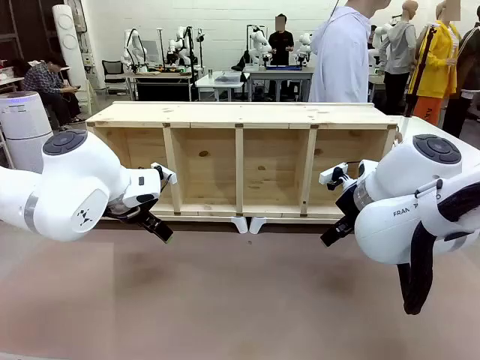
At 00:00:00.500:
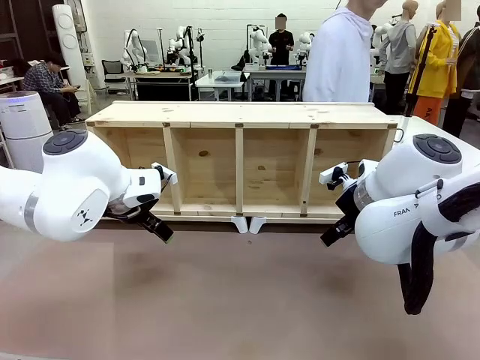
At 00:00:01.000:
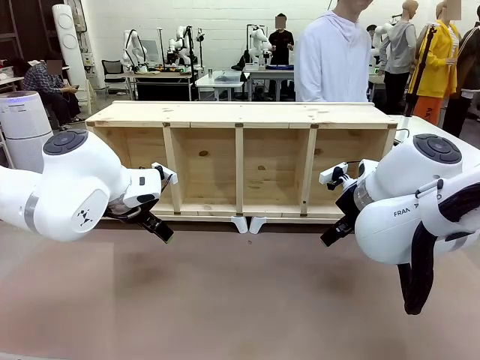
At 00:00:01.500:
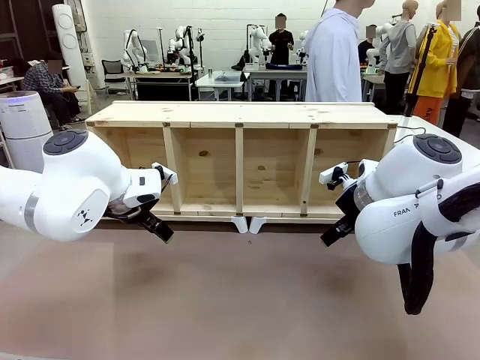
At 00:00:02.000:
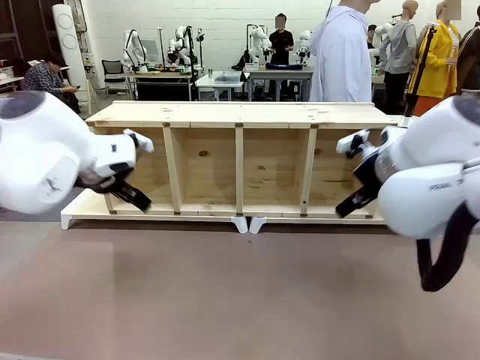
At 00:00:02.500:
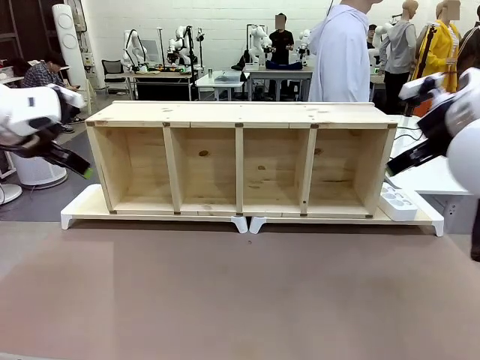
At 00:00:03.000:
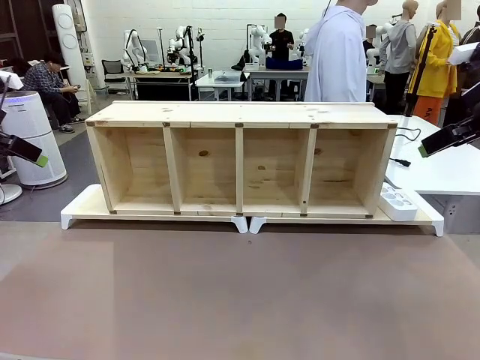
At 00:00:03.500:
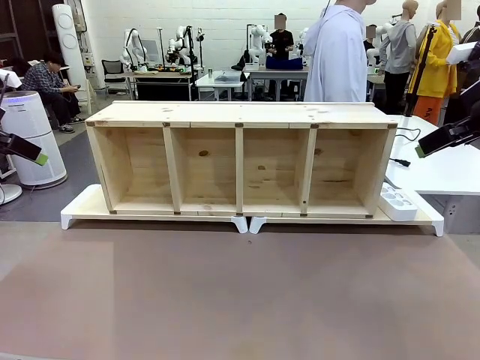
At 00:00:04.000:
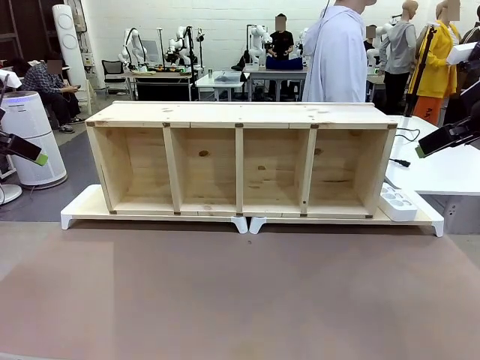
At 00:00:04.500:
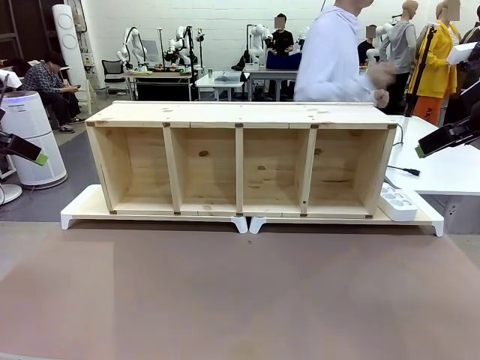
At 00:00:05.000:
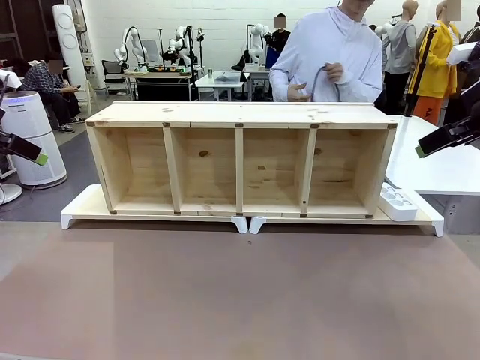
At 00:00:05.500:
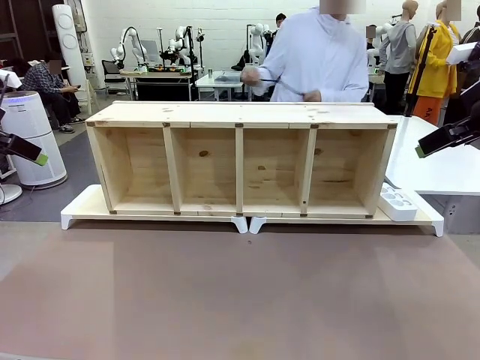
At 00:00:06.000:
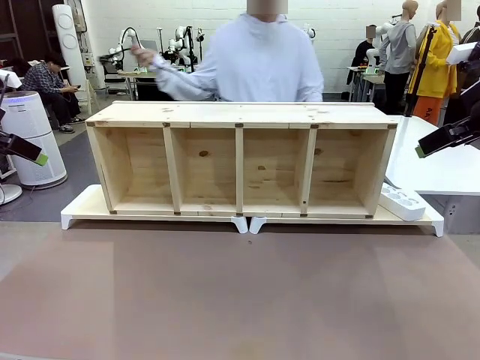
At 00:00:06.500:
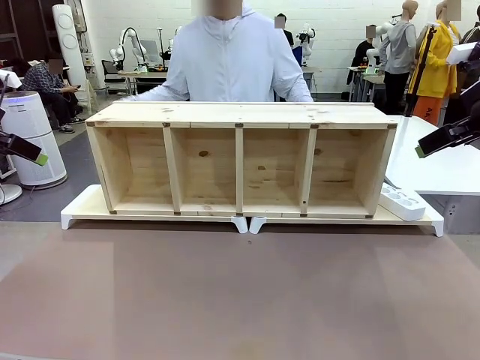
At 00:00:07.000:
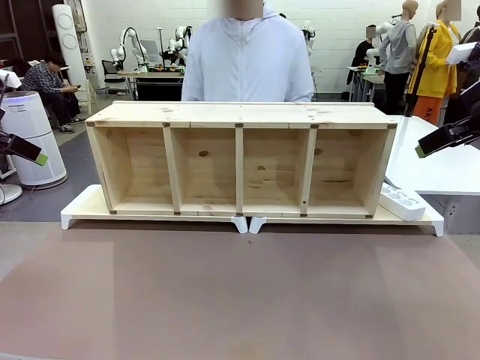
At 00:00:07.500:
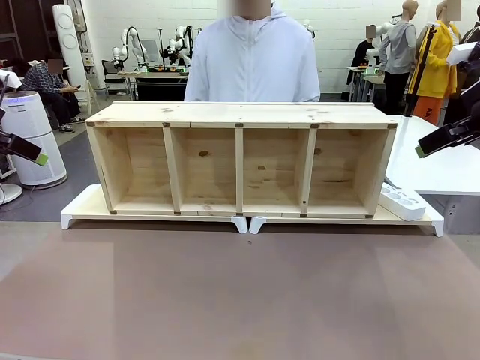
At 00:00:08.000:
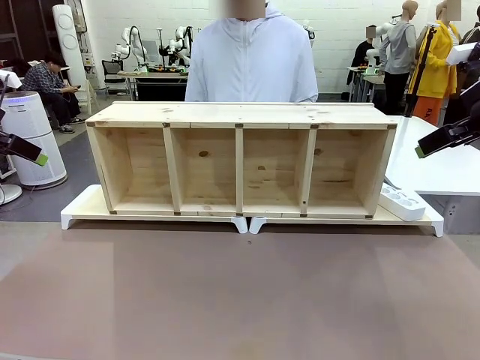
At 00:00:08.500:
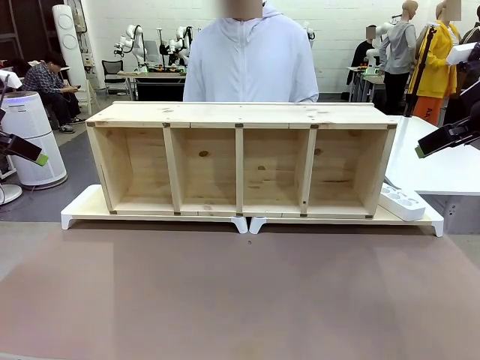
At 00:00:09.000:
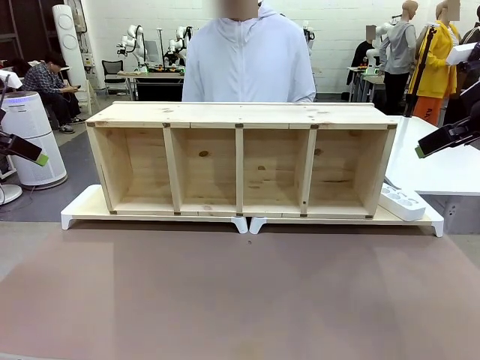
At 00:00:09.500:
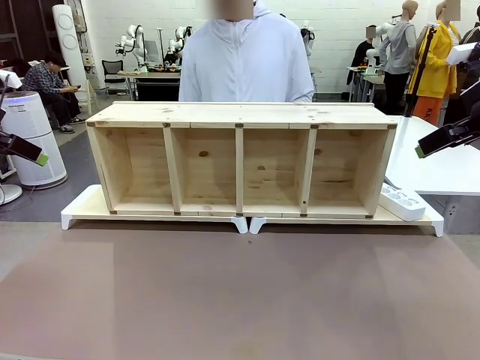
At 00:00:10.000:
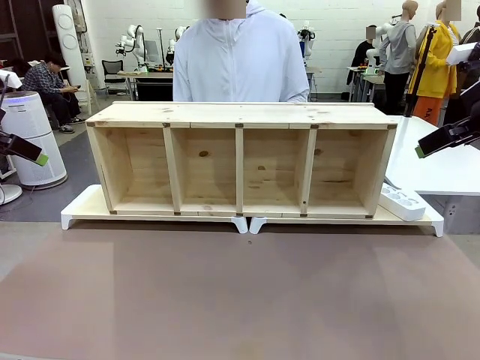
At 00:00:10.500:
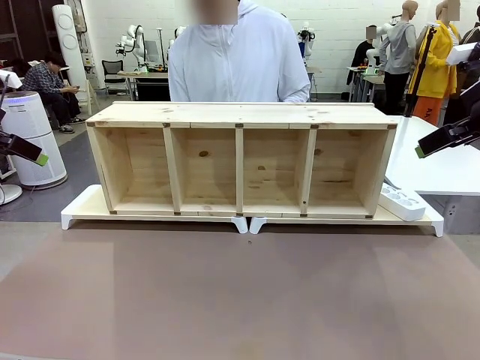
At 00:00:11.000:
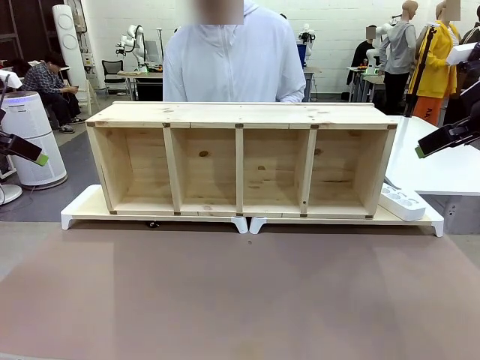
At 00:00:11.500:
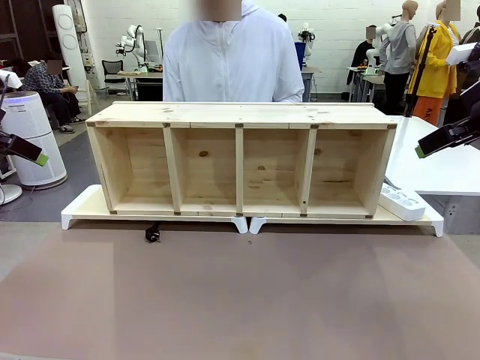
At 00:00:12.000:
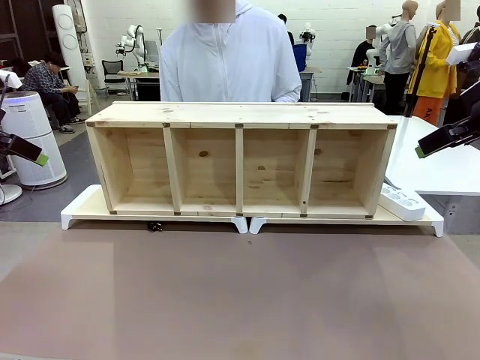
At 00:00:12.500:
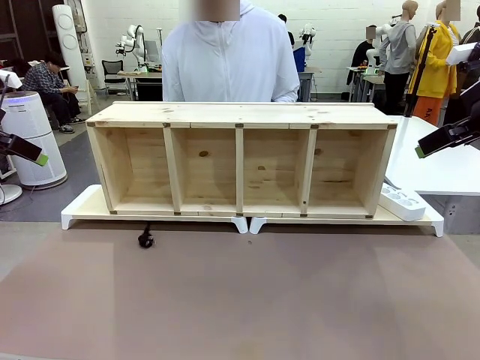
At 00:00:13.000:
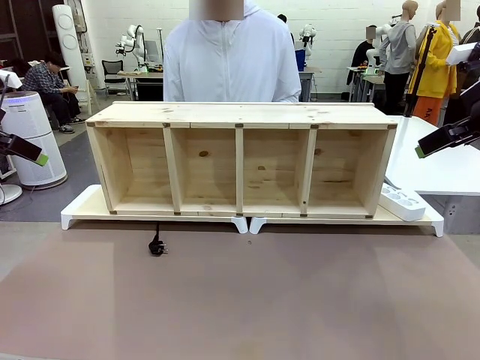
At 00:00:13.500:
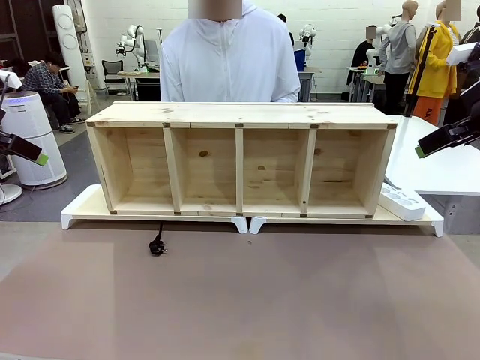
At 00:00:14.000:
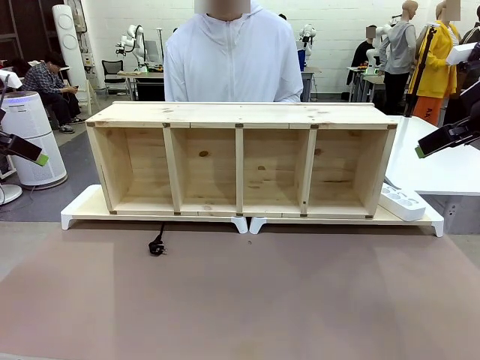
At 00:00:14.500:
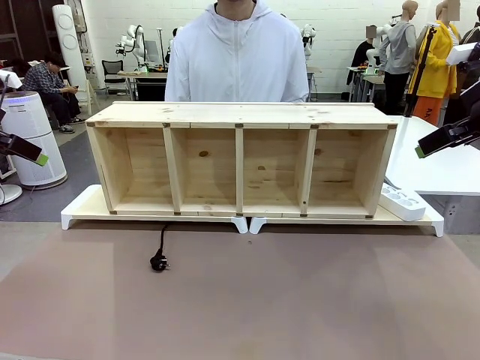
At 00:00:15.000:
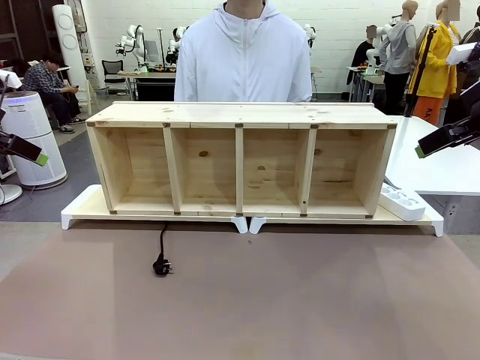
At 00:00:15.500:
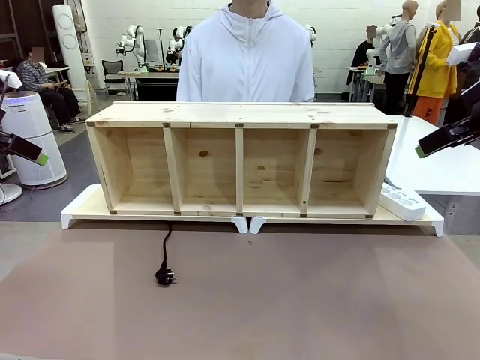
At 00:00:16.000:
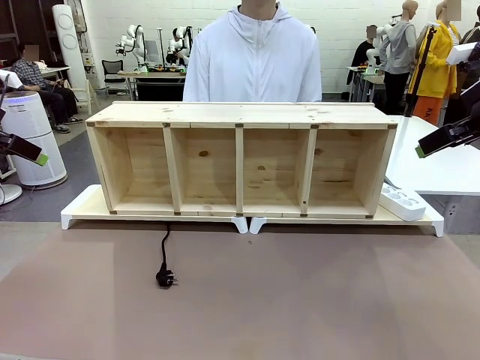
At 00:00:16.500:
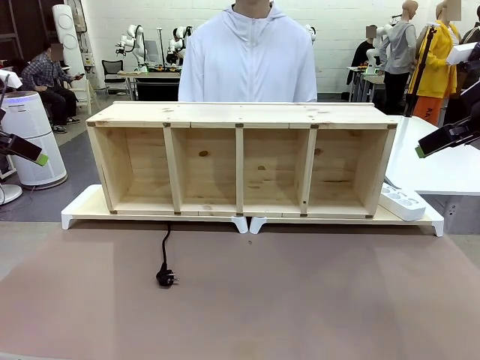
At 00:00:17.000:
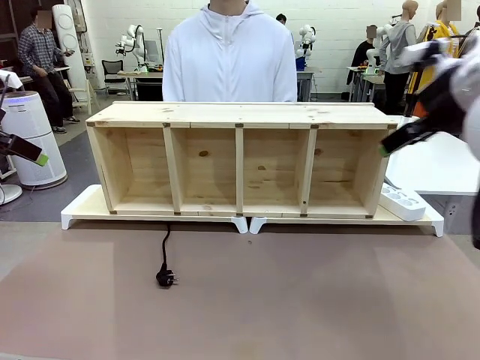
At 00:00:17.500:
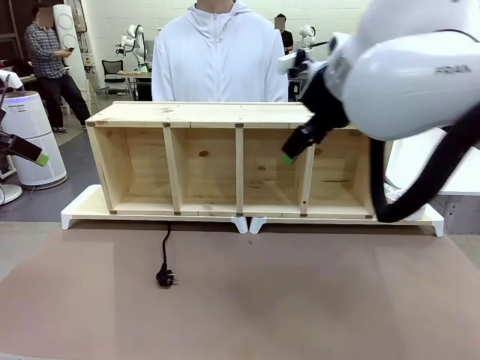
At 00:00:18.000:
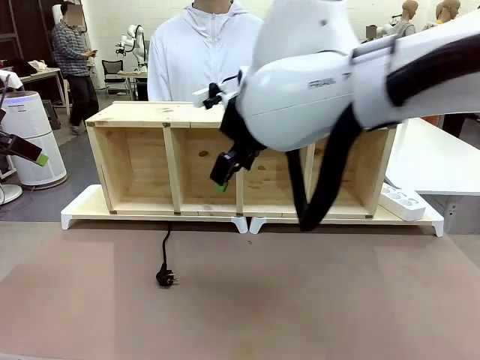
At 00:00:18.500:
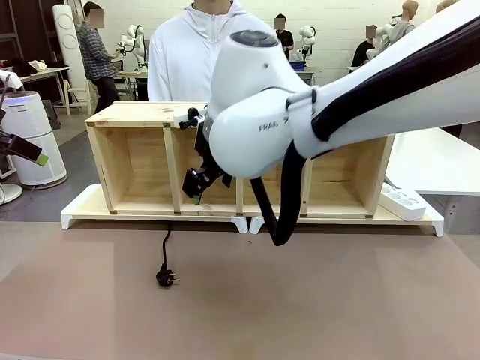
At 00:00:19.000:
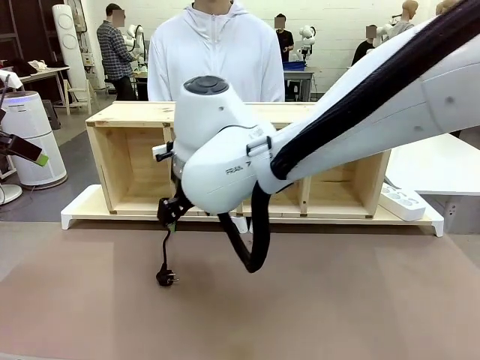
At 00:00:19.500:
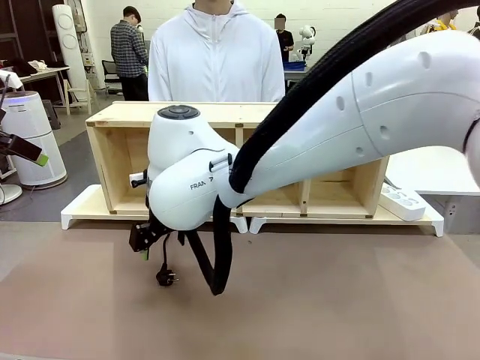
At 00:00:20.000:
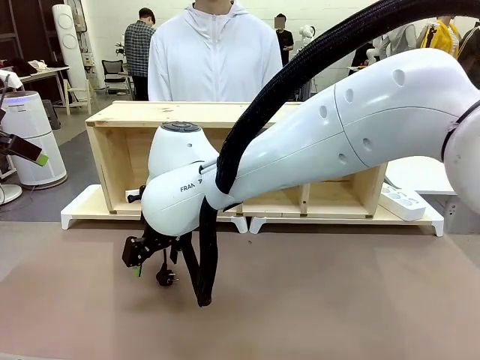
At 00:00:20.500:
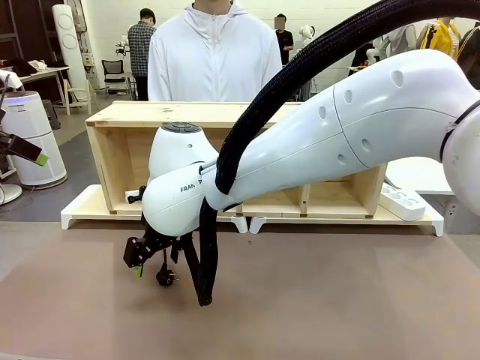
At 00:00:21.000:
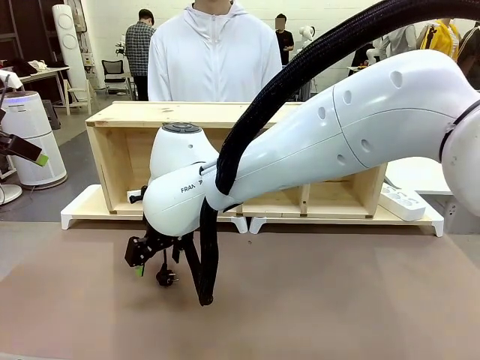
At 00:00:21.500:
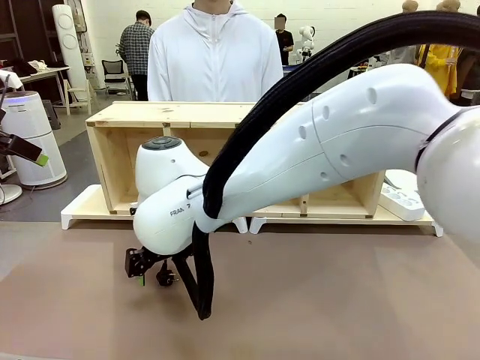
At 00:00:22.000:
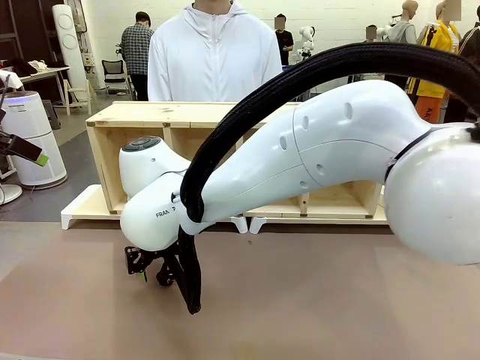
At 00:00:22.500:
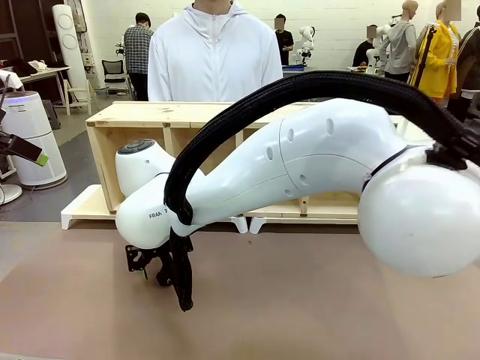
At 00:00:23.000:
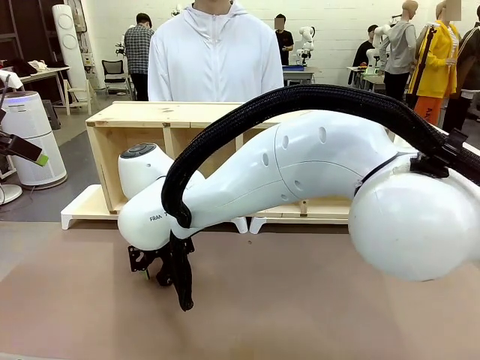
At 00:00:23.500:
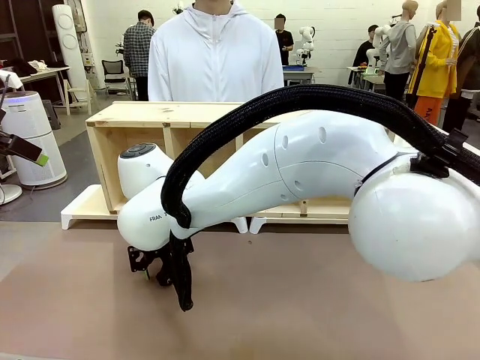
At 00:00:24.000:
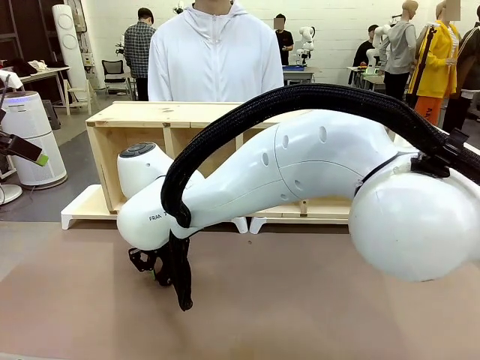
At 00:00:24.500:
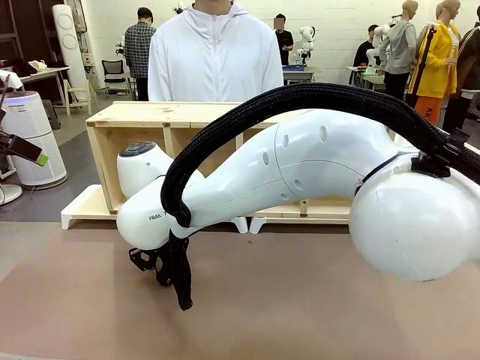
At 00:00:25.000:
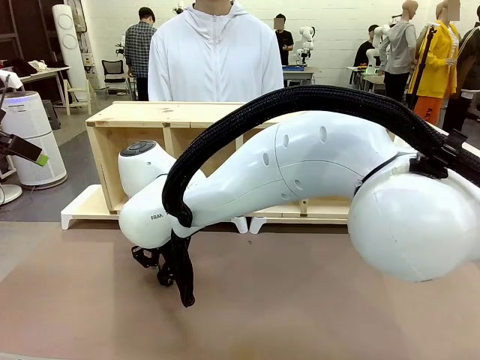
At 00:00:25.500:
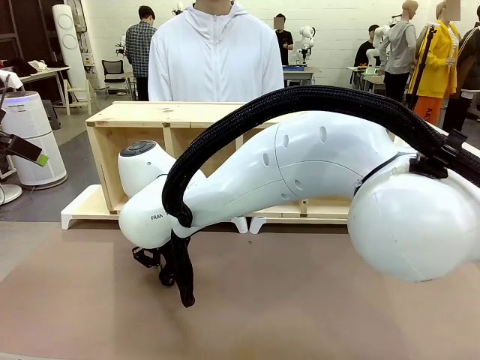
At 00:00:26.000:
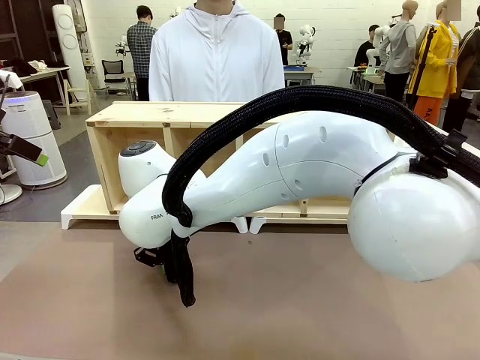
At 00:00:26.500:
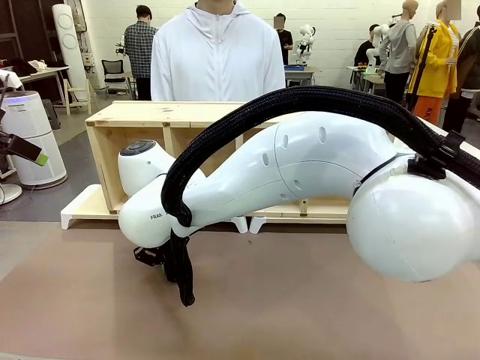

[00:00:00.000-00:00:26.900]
Task: Perform cable management.
Robot: When the cord part of the Power Cable appears at the lower middle area of the table and stops, grasp the cord part of the Power Cable.
Person: Pass the Power Cable under the Serving Table.
